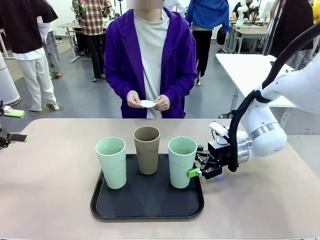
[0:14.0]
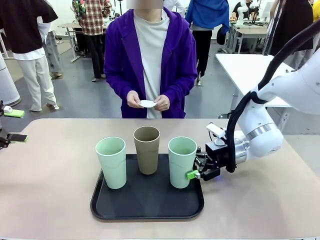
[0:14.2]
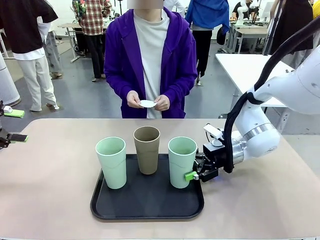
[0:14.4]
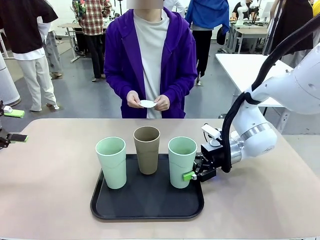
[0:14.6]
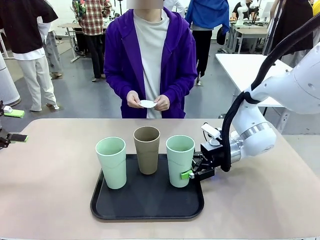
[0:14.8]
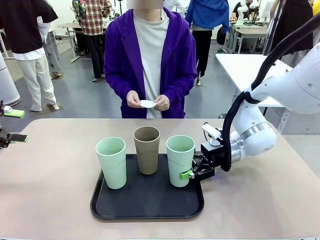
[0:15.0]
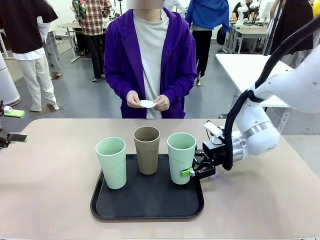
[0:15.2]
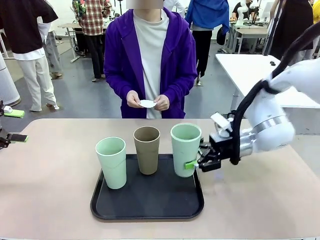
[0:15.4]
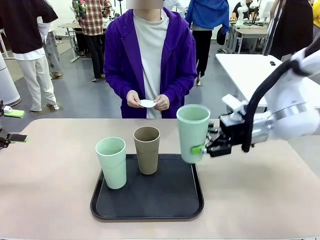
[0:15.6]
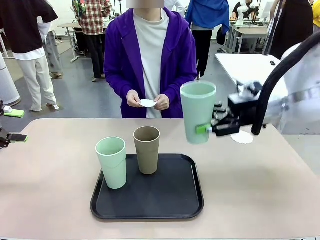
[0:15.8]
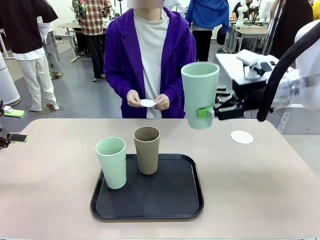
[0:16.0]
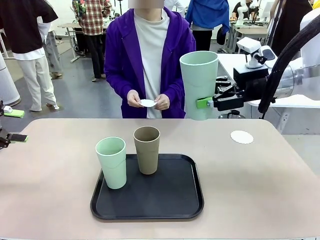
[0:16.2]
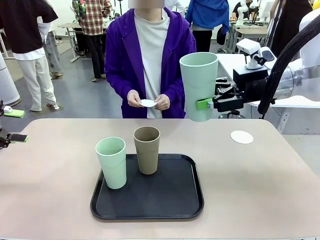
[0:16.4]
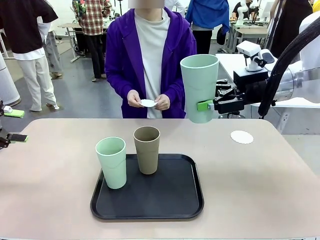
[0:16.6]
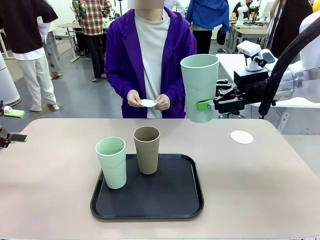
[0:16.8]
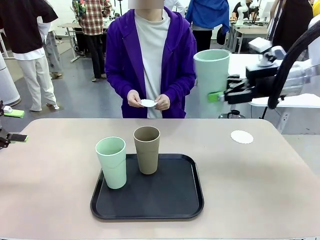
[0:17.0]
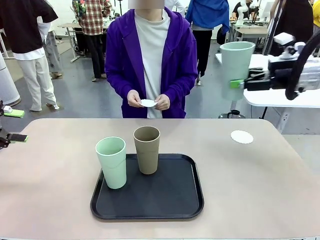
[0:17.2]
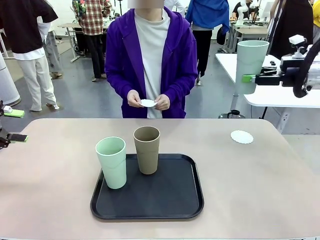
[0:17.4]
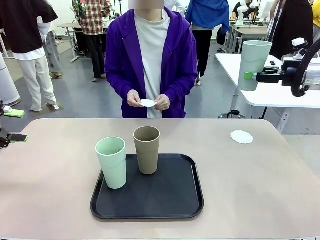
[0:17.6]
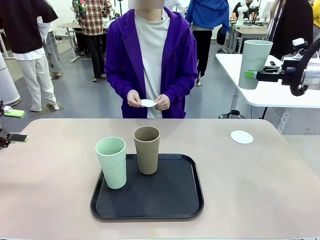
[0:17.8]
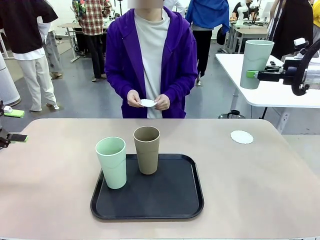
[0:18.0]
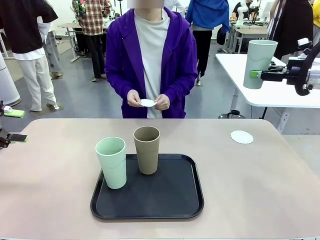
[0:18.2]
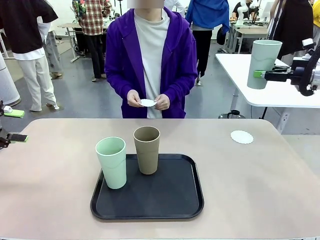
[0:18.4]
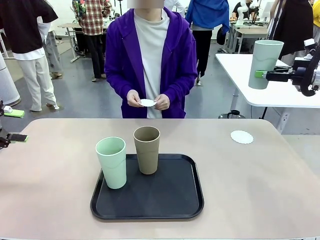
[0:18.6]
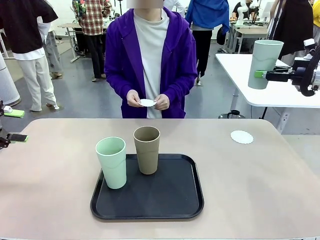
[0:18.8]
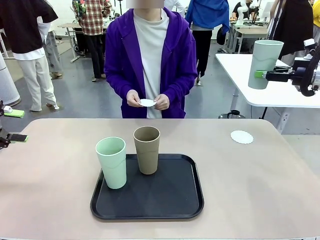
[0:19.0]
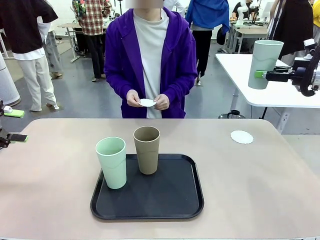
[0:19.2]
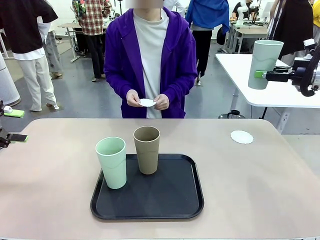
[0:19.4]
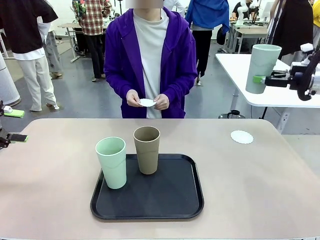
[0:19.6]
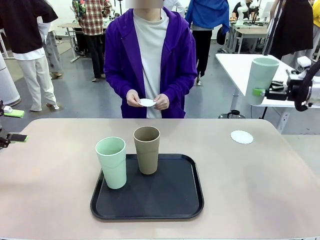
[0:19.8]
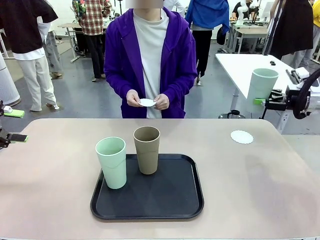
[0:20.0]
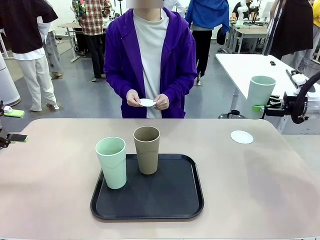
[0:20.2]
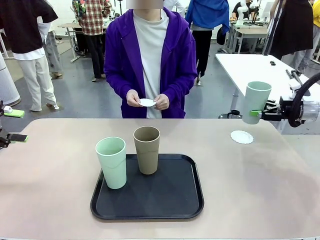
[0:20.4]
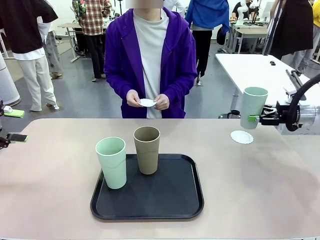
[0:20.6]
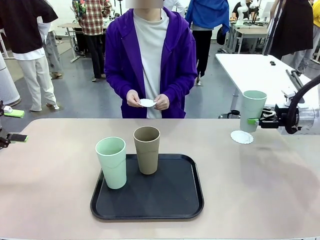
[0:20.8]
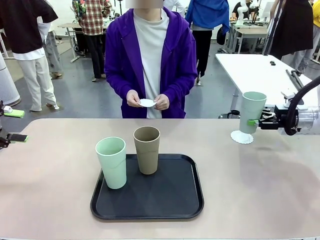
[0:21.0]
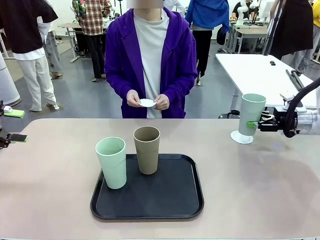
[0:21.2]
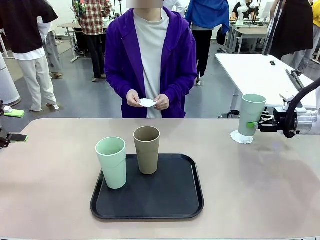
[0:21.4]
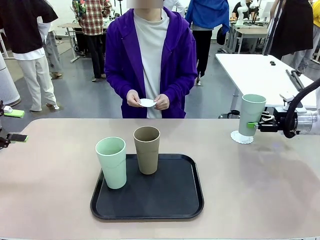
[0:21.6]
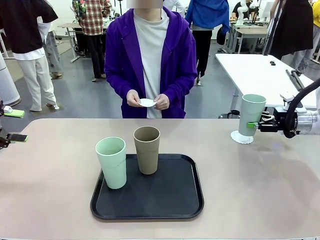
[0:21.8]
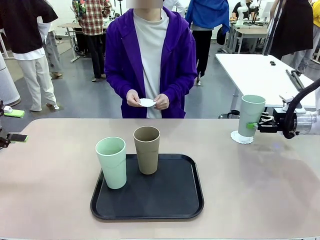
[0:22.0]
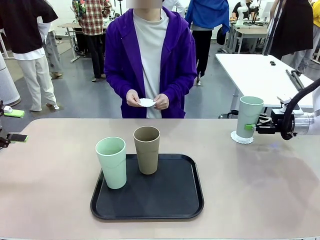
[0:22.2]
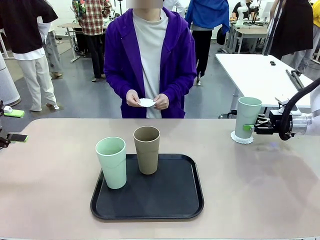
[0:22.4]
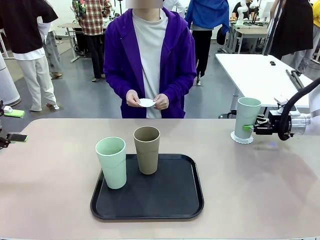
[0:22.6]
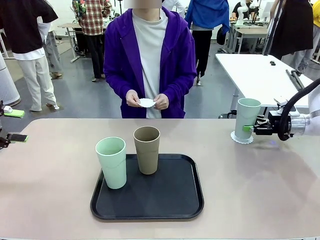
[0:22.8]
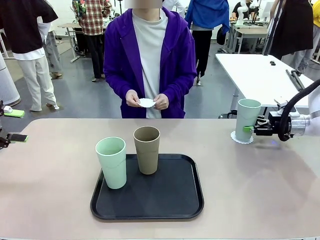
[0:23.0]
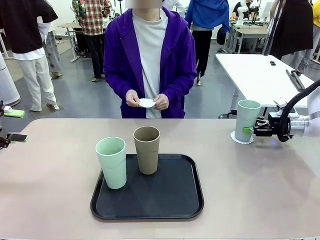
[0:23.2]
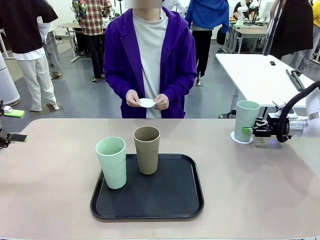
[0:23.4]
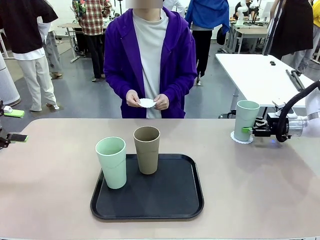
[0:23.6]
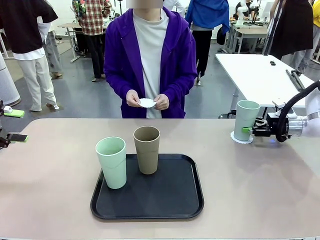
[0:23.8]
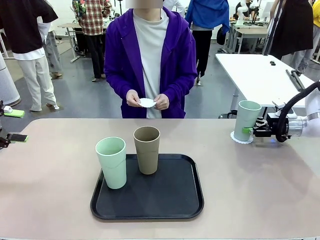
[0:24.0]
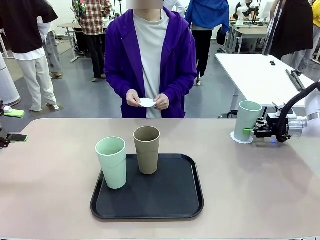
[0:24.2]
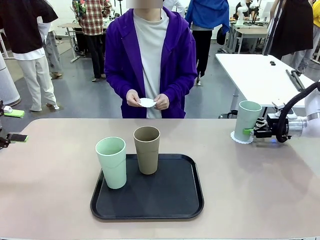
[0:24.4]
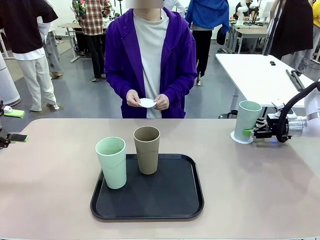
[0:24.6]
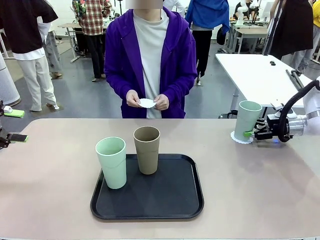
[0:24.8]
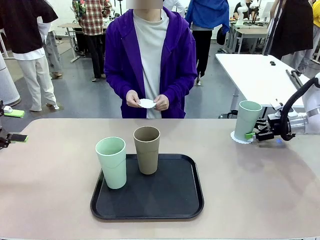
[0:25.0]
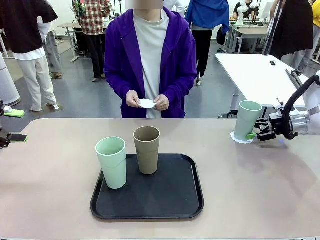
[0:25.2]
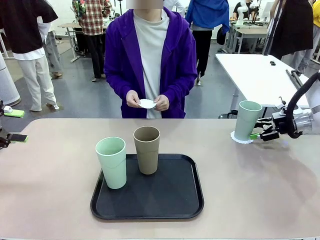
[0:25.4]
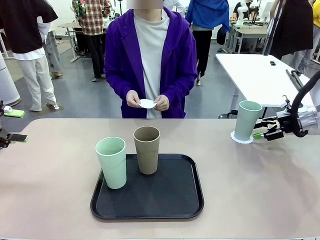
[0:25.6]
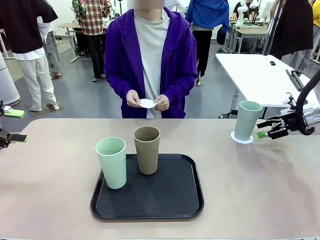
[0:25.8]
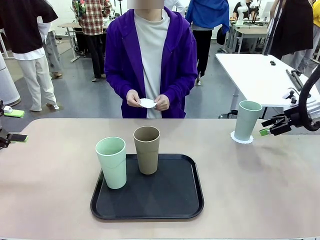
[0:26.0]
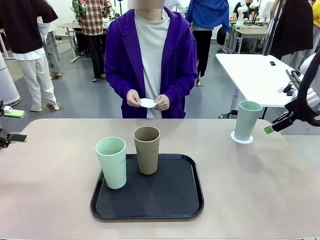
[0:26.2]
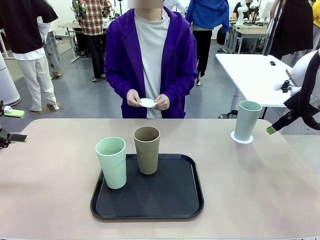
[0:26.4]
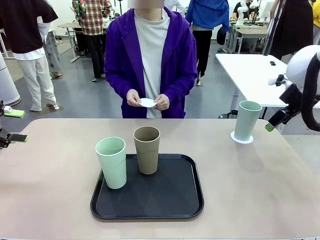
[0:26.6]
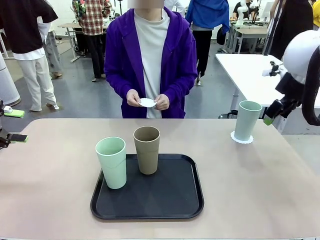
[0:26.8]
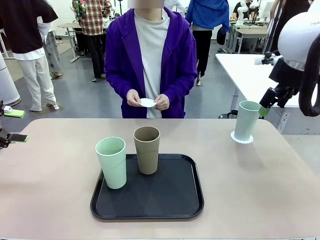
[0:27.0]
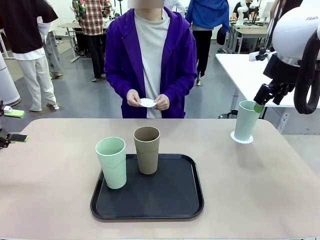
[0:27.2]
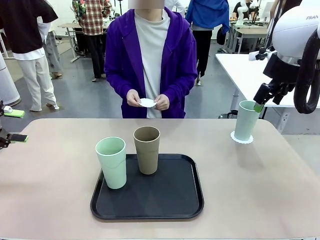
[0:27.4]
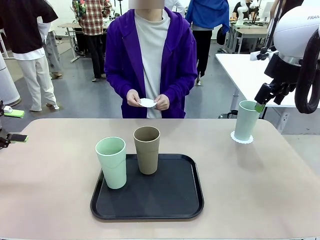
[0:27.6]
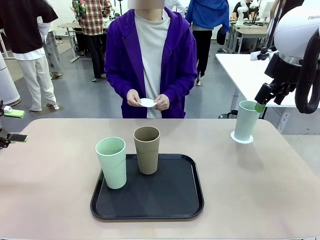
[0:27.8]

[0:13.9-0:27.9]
Task: Place coasters on the table and set cups on them.
Robot: Pick up one Reusable plastic cup and place it on a coaster set by the human.
Person: Place one coaster in one of the two areas excluding the previously selected area.

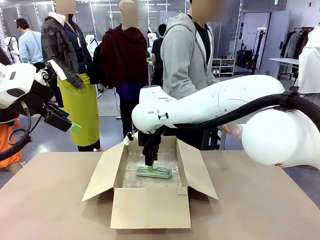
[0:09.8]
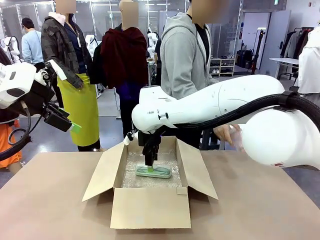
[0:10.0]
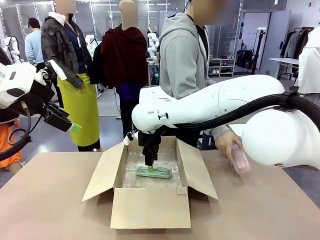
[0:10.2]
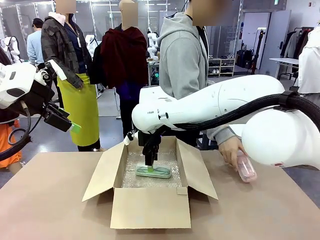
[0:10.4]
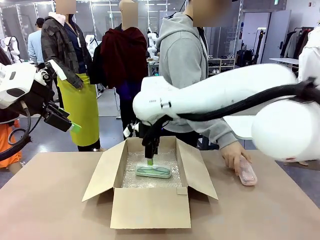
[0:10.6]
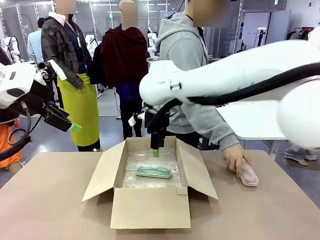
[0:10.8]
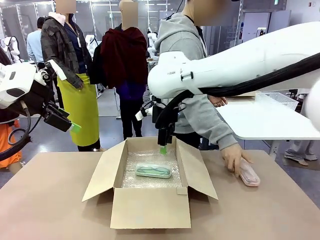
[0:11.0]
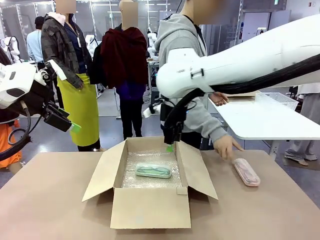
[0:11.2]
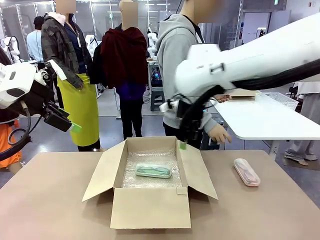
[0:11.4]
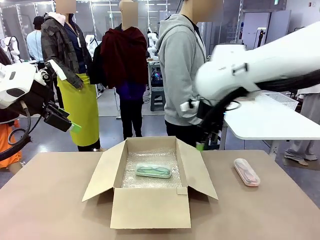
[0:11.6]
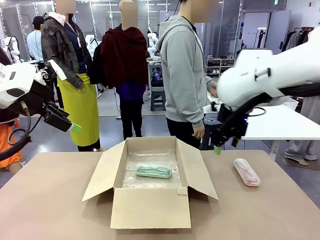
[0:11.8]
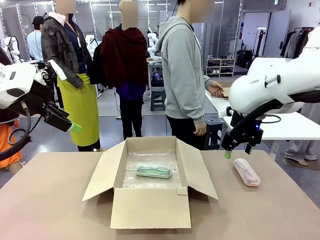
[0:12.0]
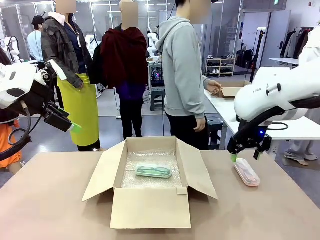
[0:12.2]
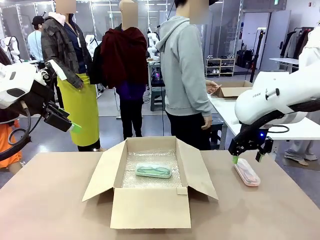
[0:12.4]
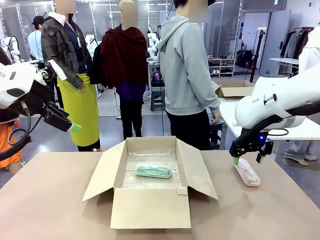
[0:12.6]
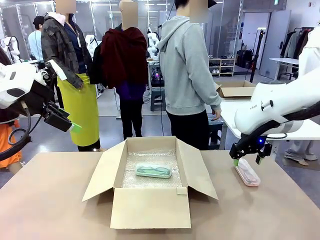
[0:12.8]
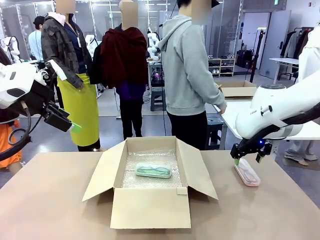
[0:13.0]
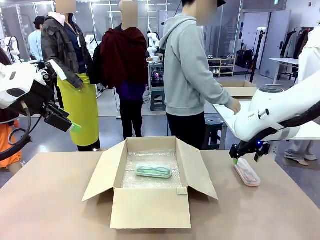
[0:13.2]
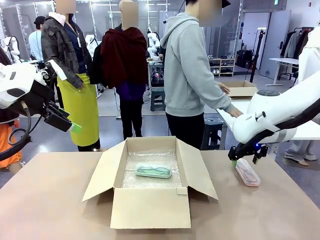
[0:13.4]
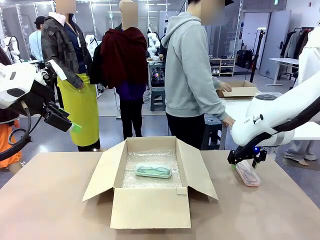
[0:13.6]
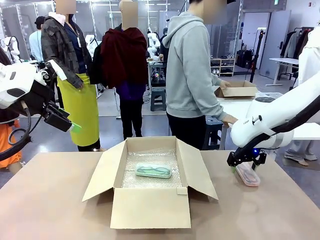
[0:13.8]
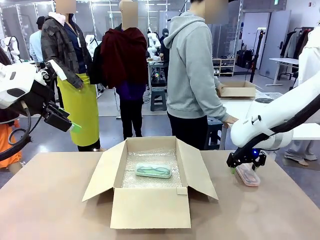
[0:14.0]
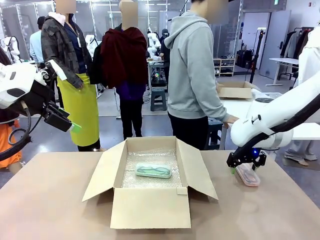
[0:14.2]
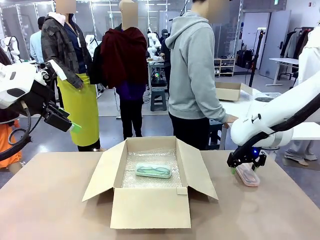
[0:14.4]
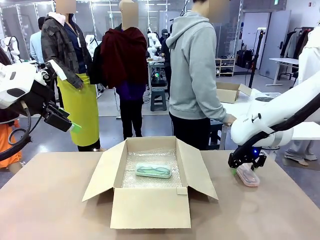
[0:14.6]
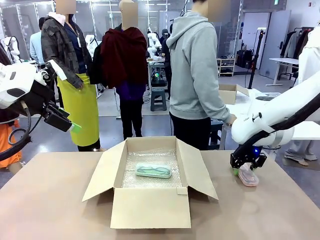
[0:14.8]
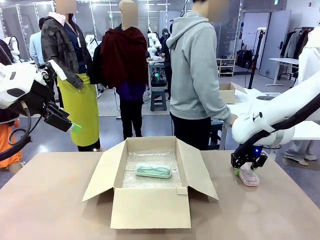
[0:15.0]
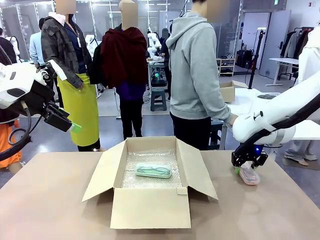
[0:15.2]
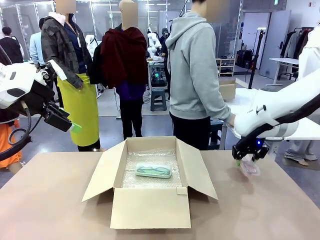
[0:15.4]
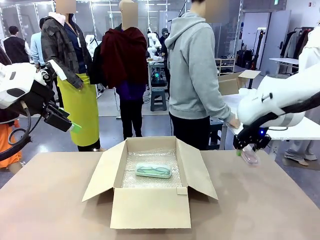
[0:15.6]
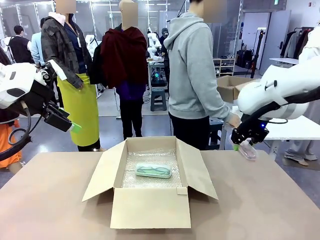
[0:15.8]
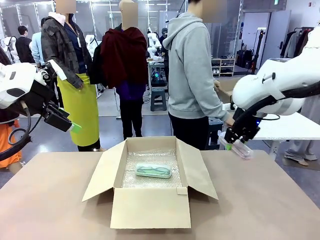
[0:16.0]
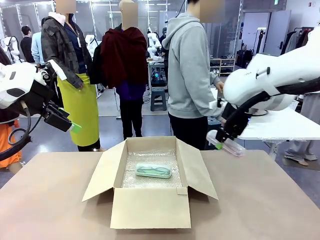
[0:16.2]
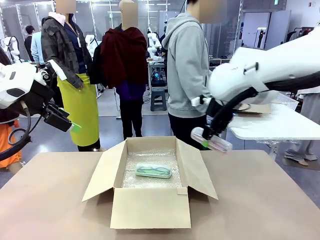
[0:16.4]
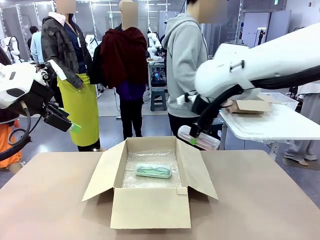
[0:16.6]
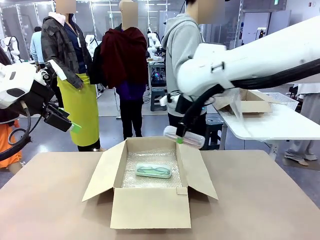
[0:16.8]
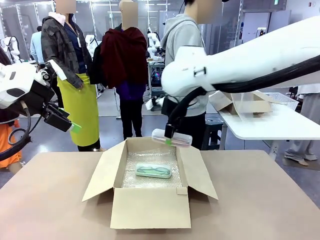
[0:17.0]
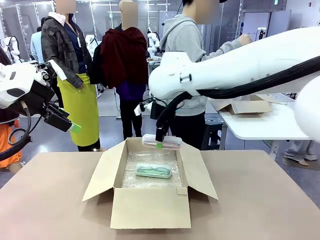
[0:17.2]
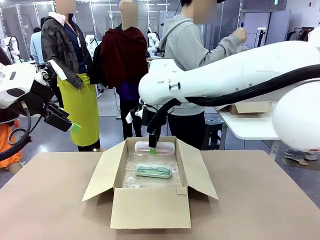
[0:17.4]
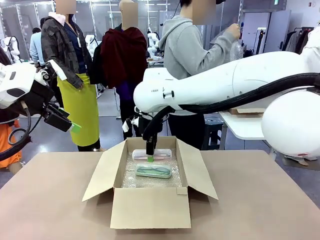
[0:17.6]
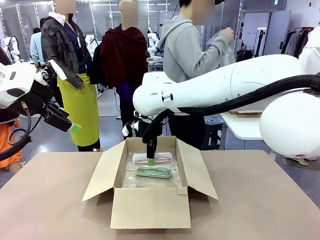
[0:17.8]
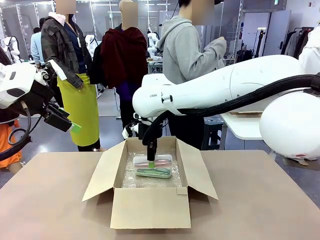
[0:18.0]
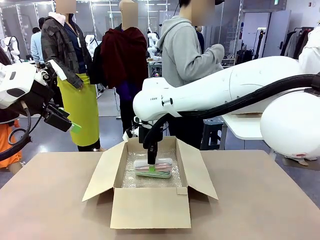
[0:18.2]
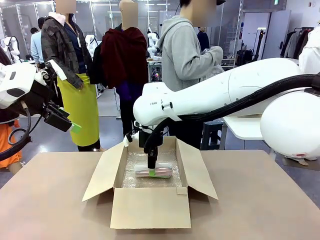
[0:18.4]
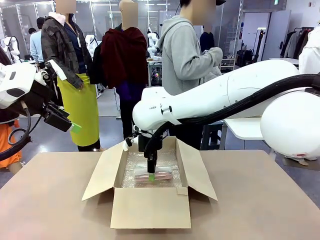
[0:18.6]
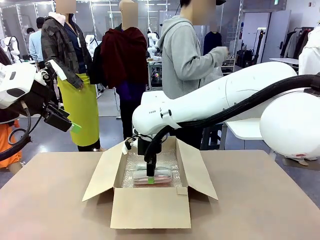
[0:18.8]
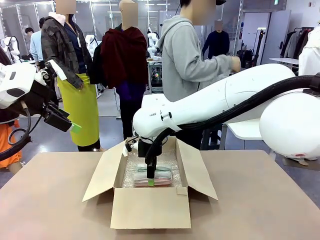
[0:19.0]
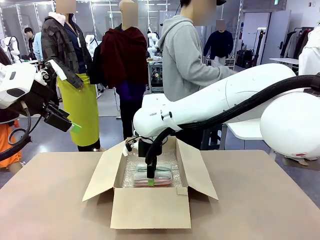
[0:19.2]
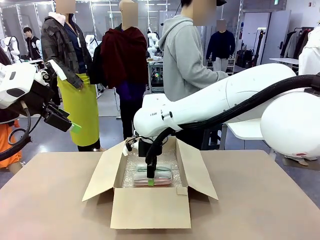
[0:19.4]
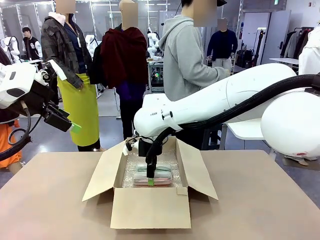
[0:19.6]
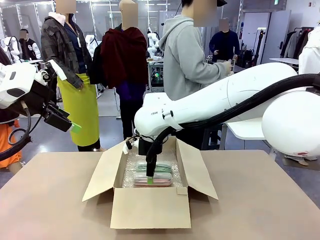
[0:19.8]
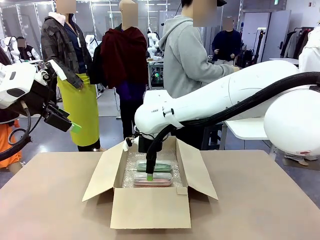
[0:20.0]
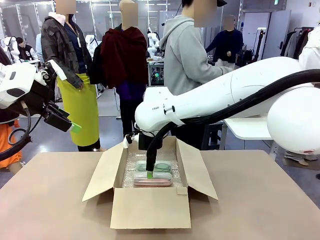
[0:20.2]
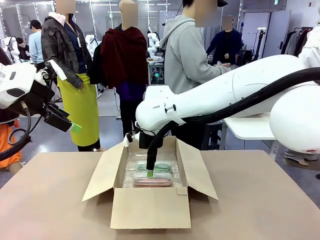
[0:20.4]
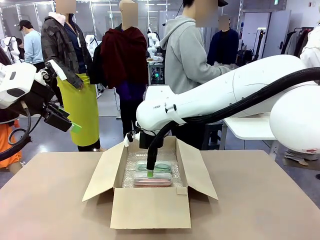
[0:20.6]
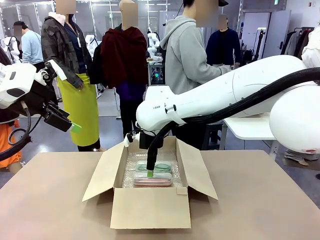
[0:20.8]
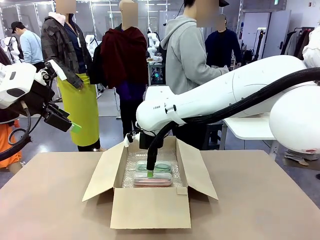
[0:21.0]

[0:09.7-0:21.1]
Task: Pack the glasses set securely to prepare it for shipping.
Robot: Put the Glasses case from the right side of the table into the Package Box.
